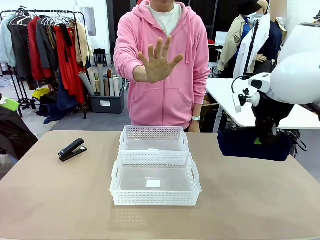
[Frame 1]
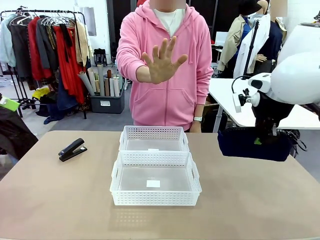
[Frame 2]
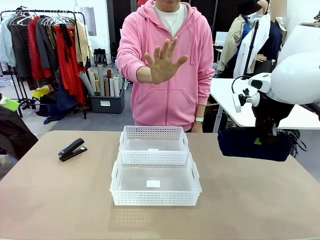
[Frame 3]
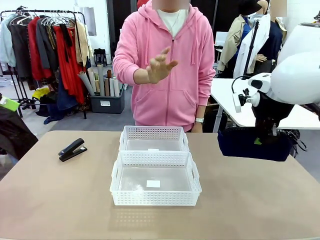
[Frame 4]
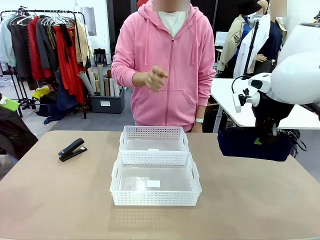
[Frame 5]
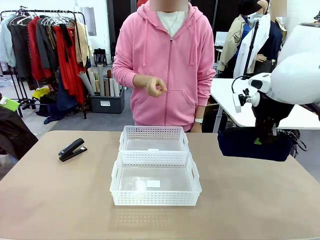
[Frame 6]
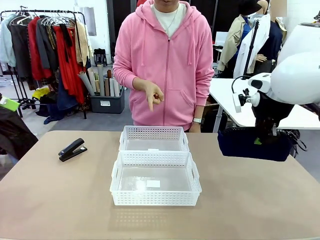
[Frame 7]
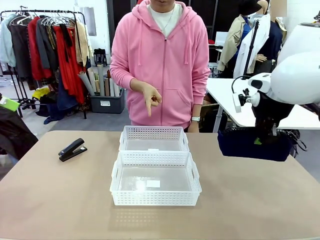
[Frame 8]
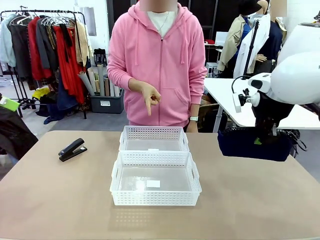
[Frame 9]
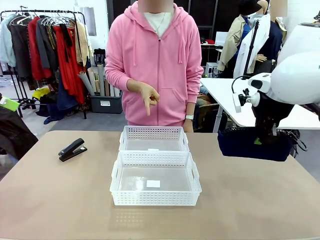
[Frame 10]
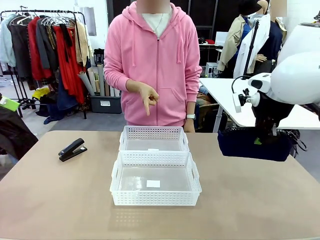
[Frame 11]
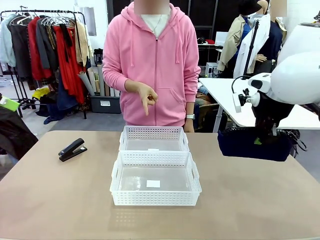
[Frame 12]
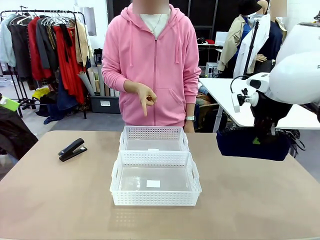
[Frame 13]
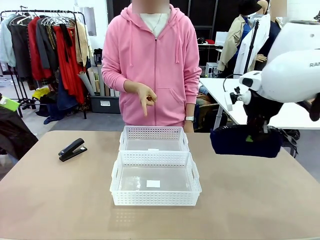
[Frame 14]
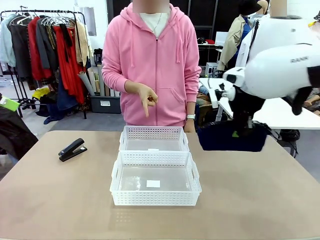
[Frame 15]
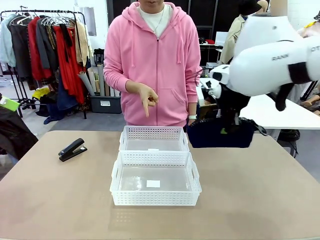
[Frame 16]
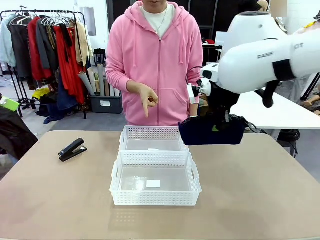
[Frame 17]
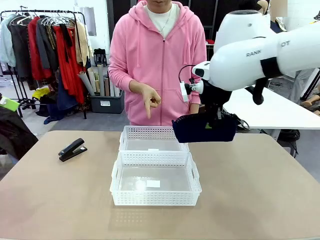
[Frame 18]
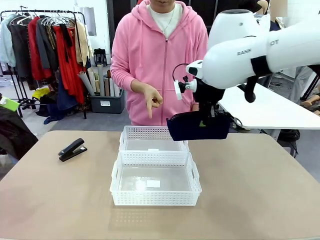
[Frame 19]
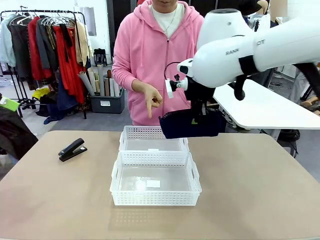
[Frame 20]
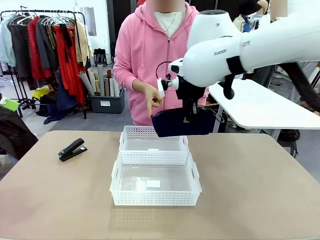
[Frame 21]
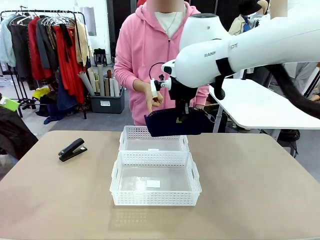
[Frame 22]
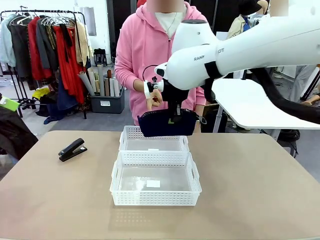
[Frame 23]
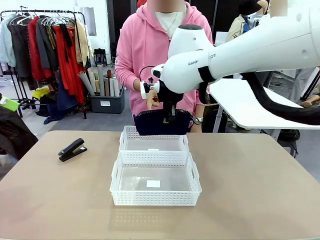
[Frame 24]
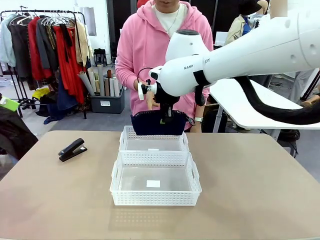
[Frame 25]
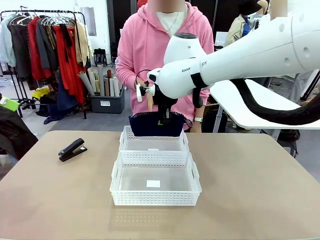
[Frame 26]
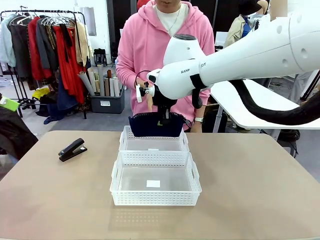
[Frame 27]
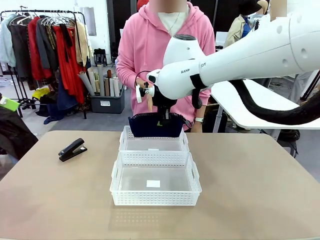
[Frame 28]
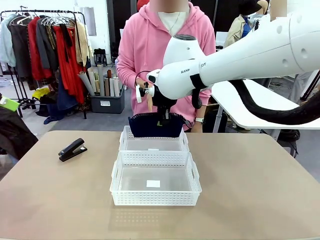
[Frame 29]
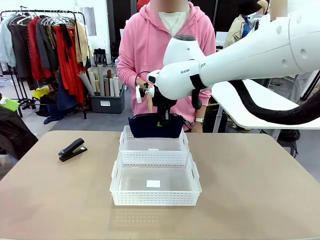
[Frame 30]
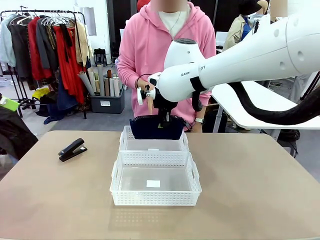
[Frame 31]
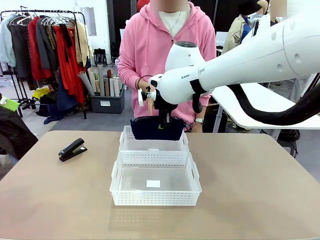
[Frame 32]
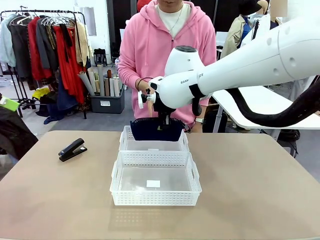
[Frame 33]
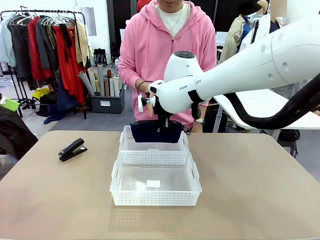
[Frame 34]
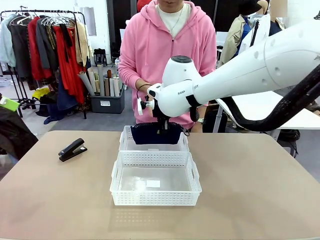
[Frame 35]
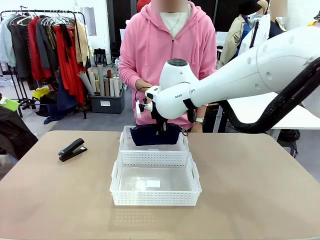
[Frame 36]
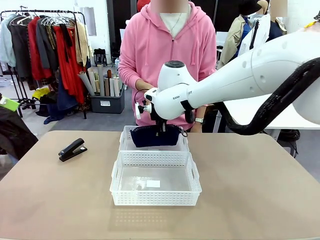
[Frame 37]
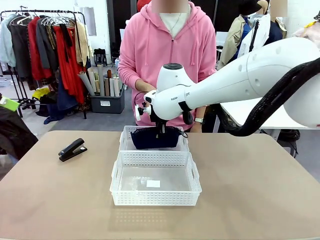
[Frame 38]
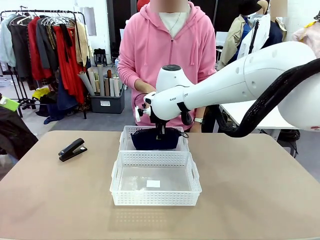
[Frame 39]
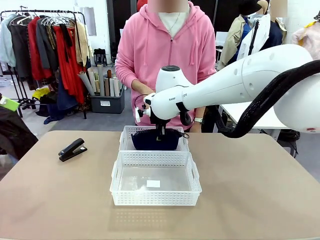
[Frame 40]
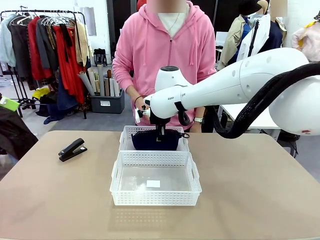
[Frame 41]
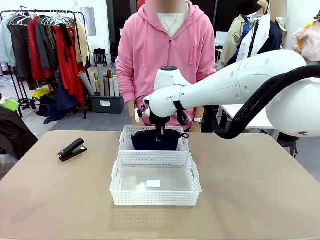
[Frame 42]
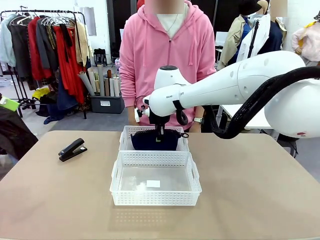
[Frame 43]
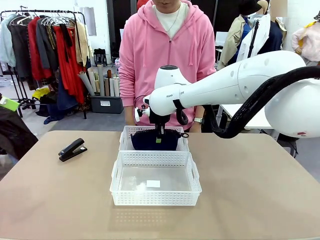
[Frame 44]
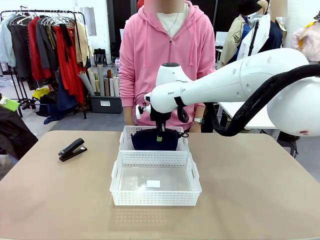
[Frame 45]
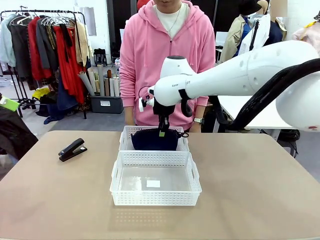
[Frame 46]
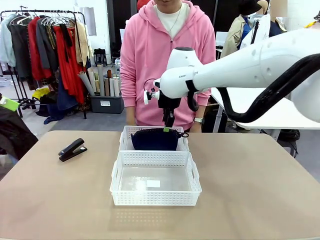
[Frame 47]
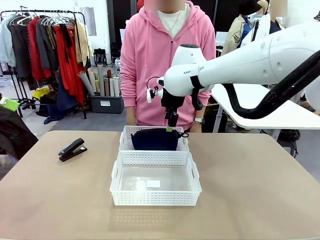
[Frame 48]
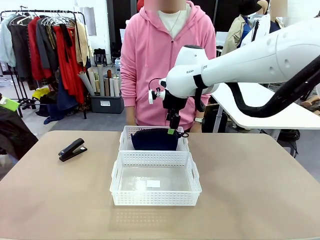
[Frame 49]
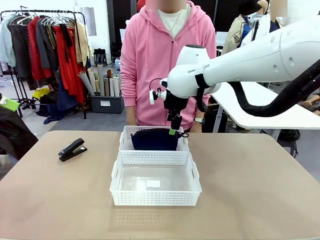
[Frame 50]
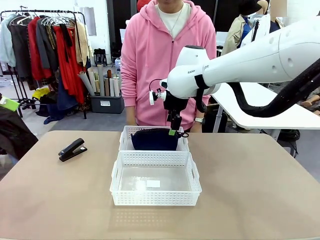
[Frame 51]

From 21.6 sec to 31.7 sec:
Task: Distribute items into two baskets.
Robot: Place the picked Pencil pouch into the Organizing basket as instructed by the person.
Person: Instructs the robot to place the pencil case into the opposite basket. Points to the stapler.

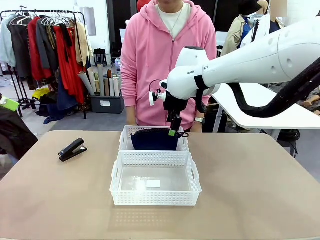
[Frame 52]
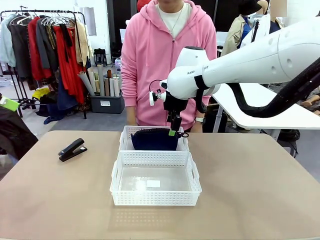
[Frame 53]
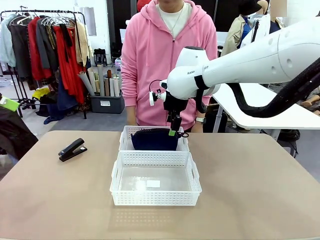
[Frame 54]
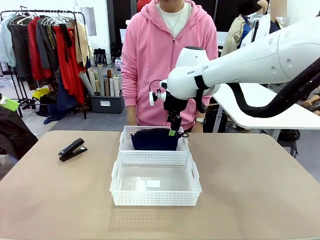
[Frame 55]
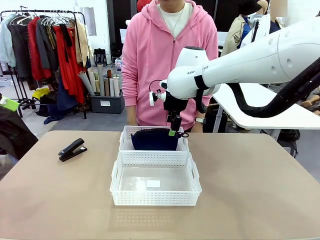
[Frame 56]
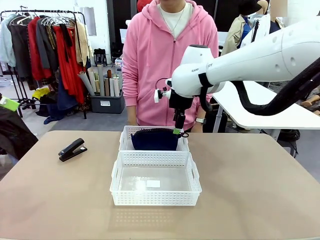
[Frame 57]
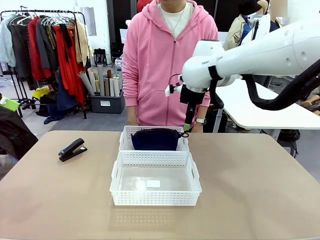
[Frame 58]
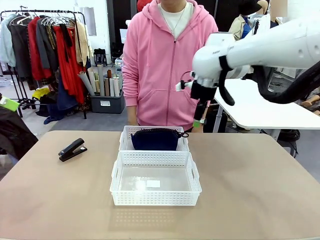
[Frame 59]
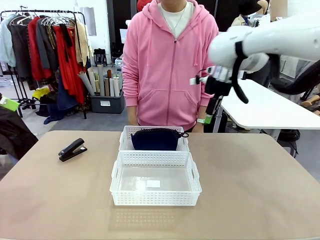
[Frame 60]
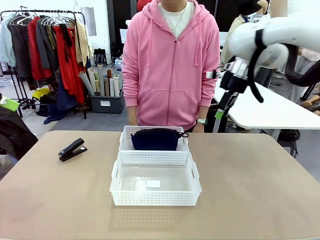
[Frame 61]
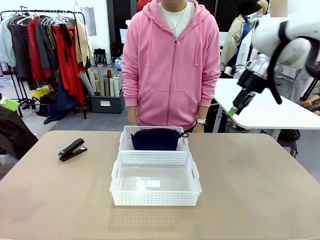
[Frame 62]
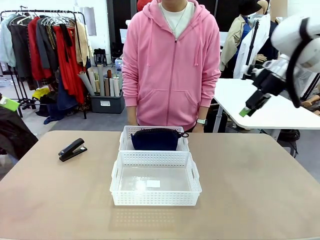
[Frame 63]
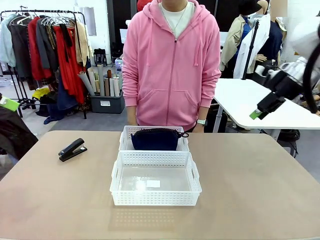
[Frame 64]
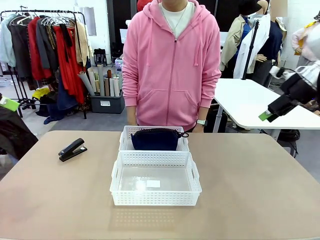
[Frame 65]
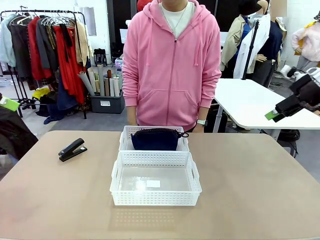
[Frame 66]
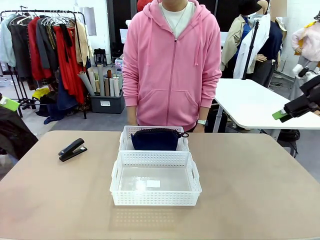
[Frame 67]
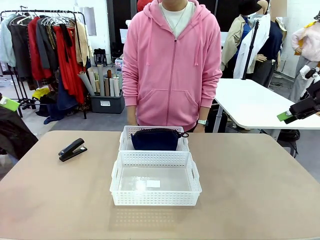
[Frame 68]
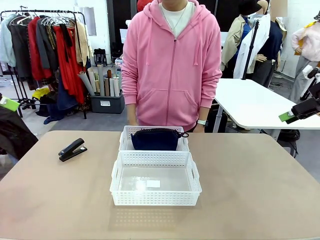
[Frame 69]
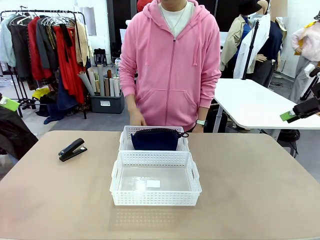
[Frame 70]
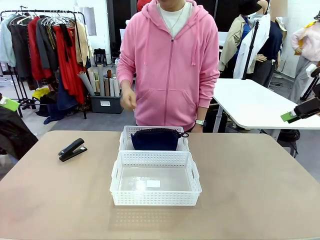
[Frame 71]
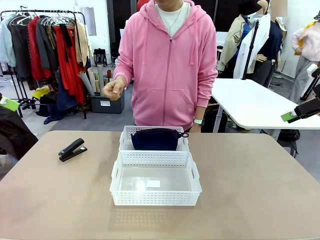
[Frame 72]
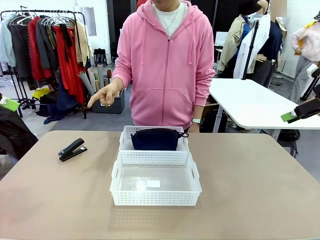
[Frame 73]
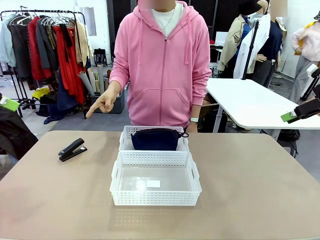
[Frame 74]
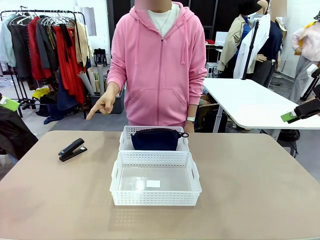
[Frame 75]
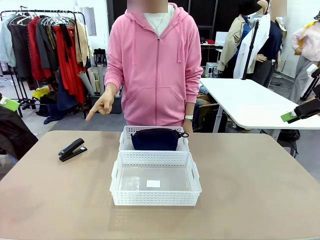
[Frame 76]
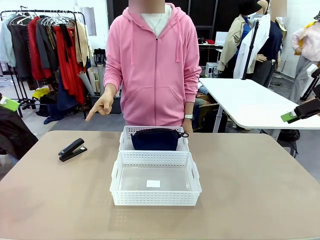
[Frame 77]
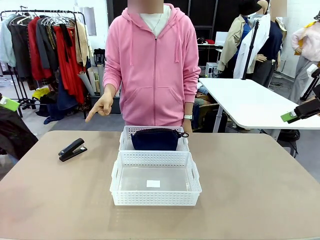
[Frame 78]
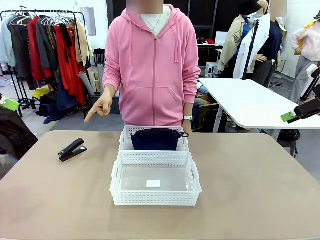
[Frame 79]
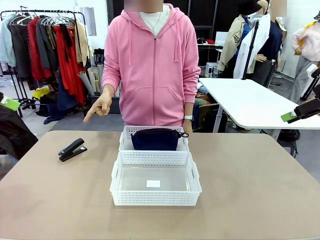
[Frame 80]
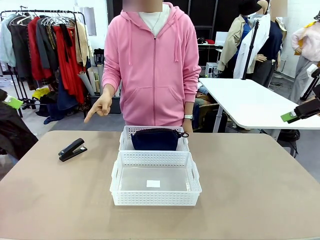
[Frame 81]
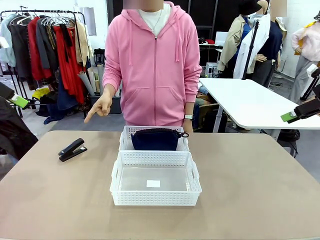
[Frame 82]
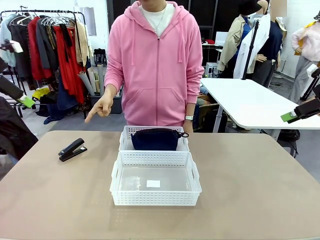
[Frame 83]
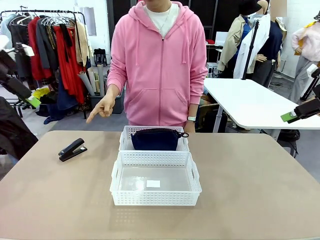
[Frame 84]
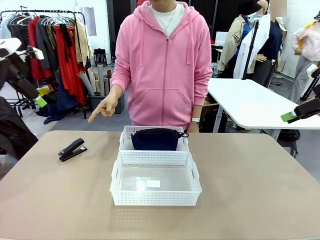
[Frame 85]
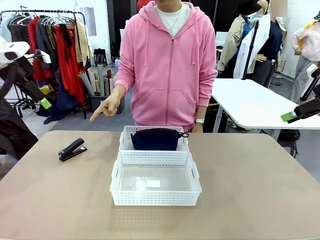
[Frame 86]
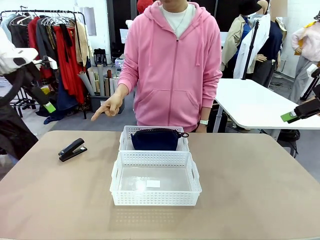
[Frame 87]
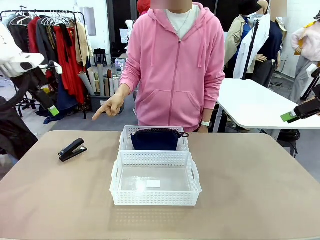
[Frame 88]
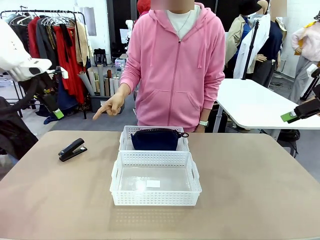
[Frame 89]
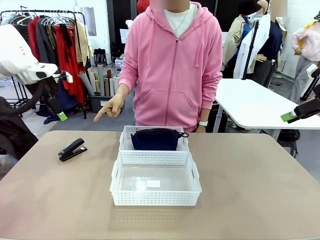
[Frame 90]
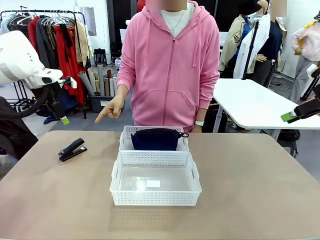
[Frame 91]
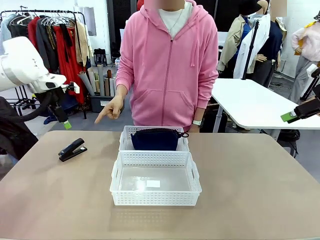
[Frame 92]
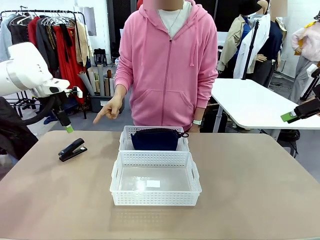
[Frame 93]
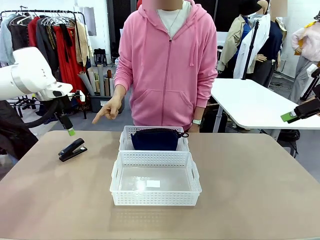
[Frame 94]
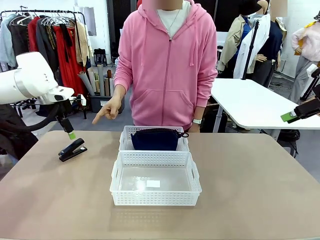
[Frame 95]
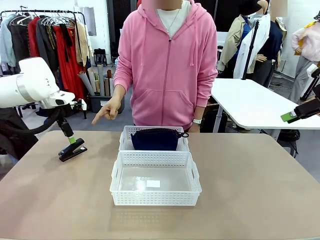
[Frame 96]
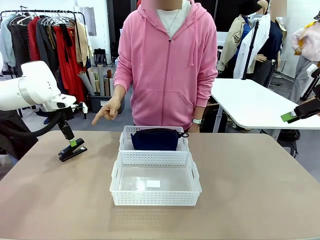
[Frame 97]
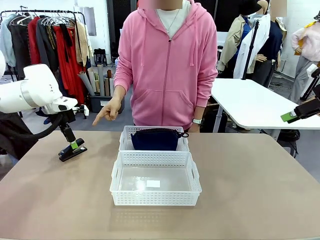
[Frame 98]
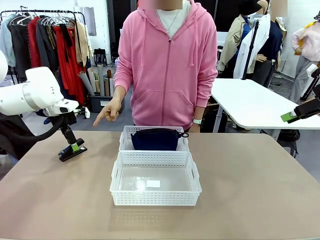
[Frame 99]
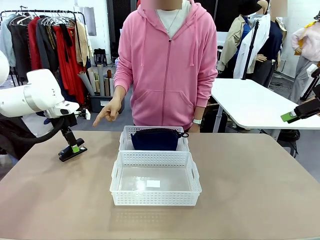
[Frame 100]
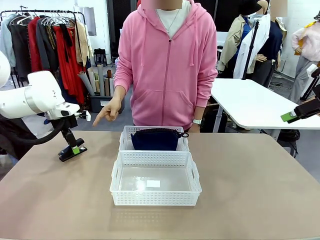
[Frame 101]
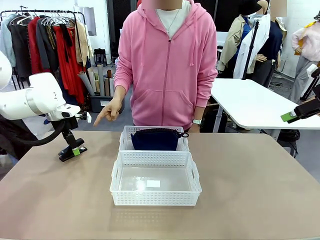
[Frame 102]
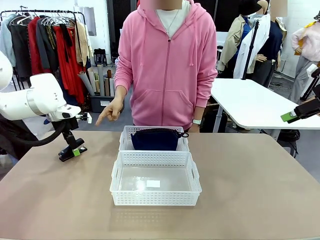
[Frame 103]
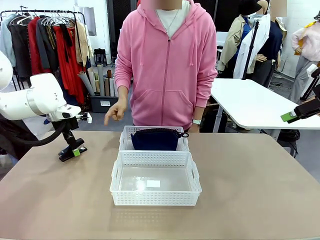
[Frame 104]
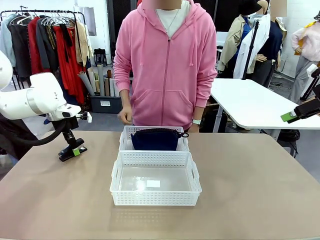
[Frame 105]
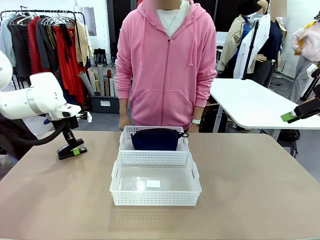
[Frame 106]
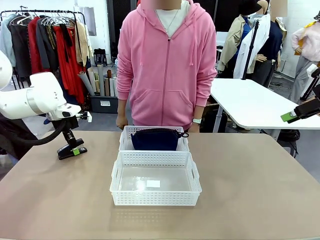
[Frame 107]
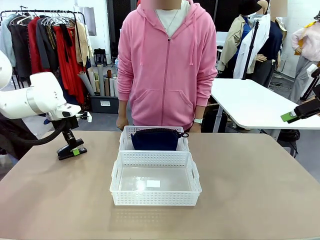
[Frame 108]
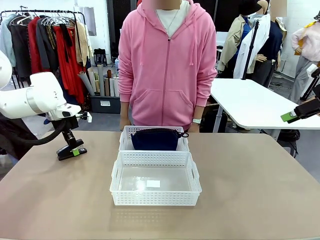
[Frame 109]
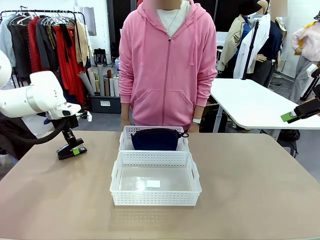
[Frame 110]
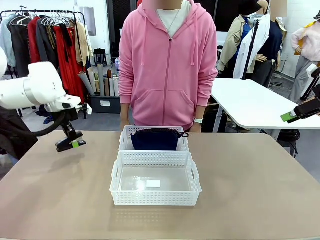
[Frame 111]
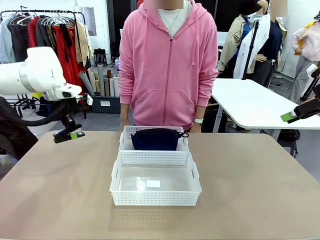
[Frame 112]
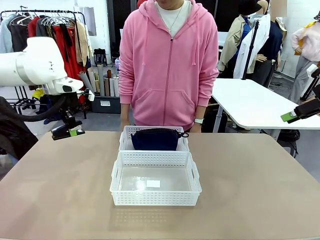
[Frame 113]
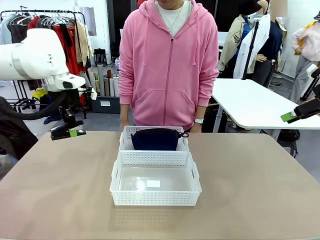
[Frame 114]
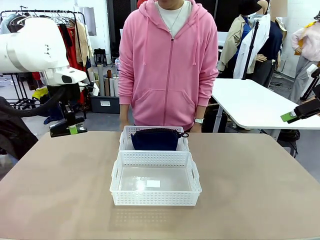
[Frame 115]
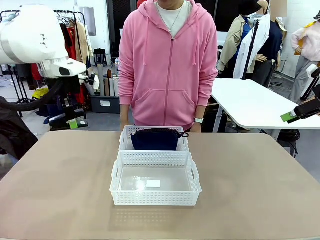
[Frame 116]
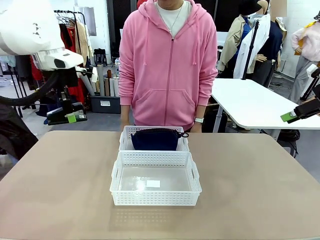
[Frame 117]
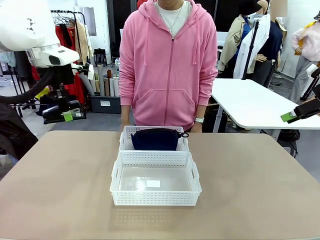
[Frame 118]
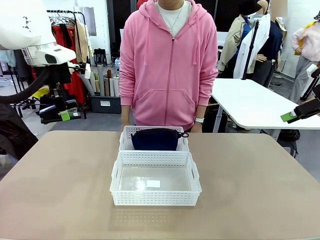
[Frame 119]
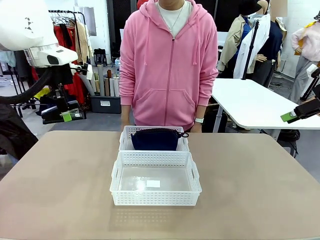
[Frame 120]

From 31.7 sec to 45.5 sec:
Robot: Pick up the Stapler that the person points to.
